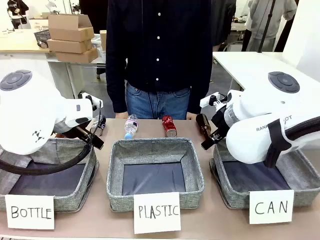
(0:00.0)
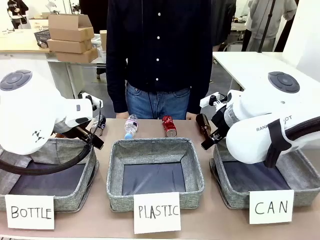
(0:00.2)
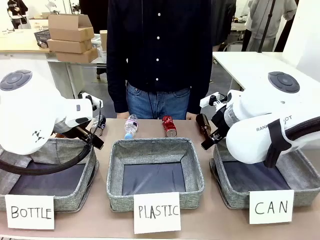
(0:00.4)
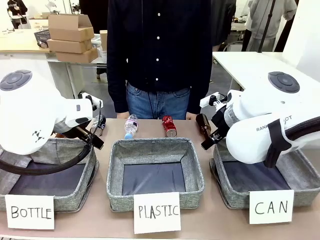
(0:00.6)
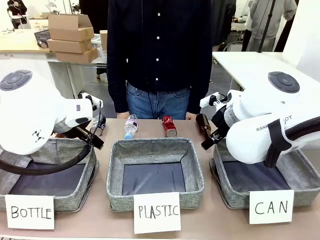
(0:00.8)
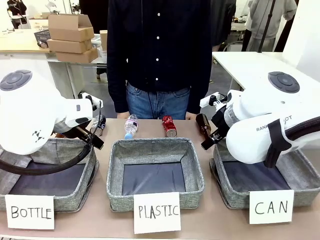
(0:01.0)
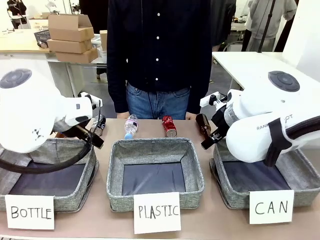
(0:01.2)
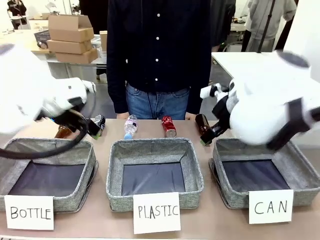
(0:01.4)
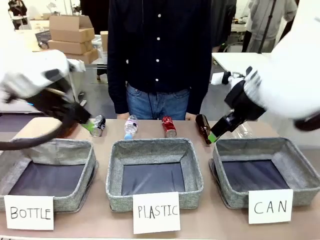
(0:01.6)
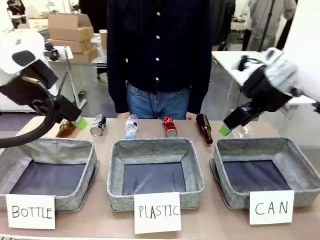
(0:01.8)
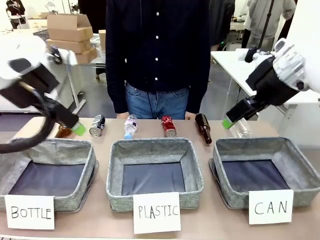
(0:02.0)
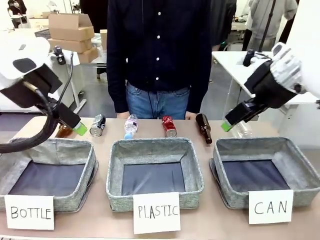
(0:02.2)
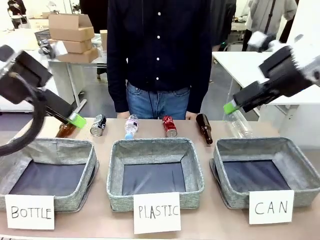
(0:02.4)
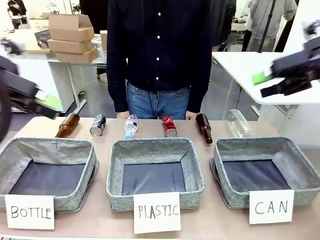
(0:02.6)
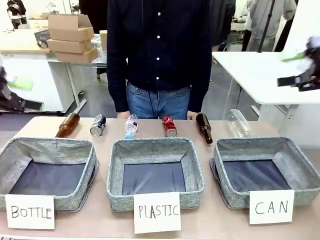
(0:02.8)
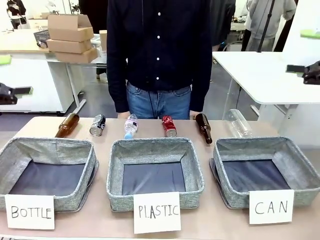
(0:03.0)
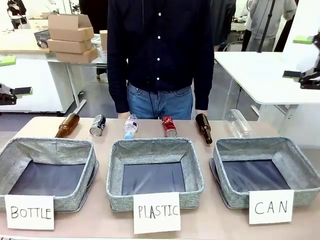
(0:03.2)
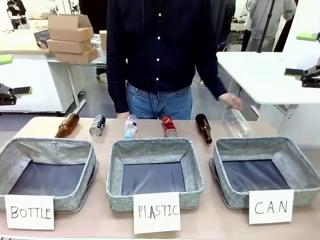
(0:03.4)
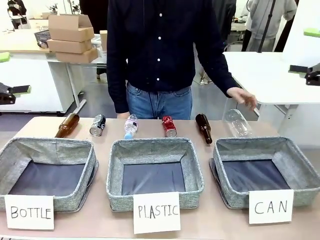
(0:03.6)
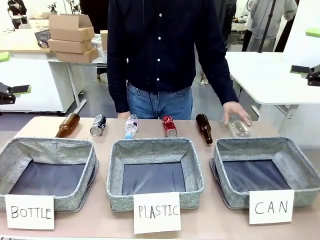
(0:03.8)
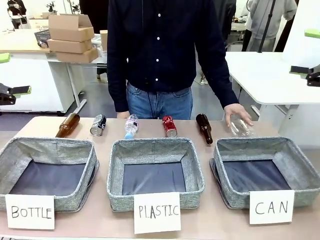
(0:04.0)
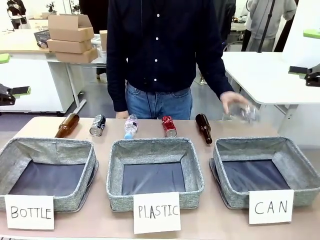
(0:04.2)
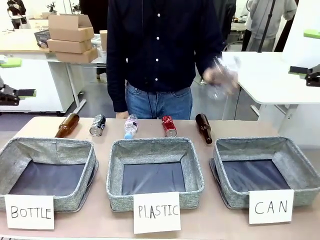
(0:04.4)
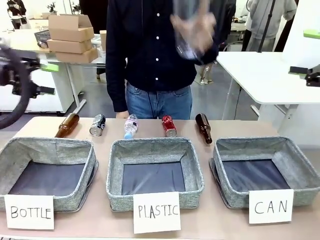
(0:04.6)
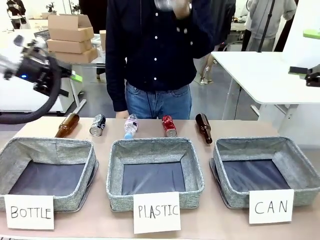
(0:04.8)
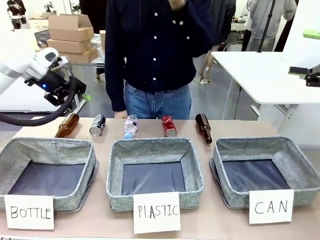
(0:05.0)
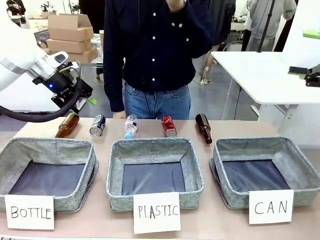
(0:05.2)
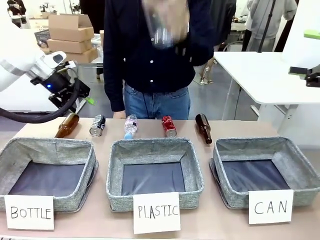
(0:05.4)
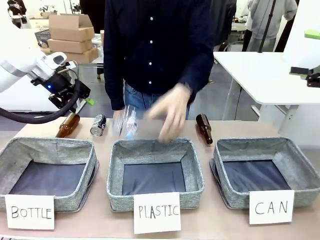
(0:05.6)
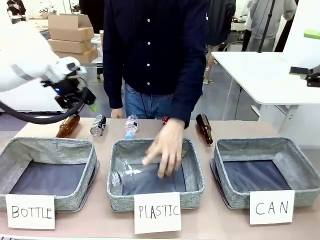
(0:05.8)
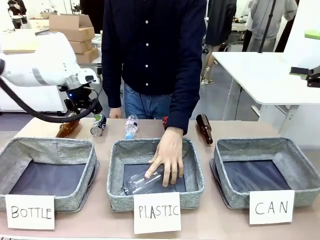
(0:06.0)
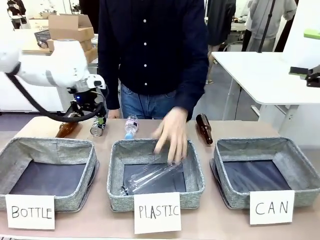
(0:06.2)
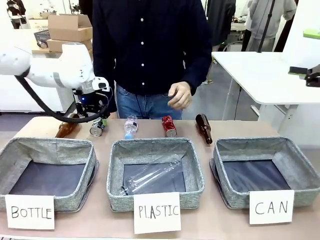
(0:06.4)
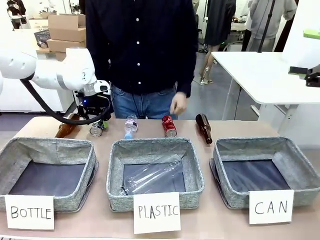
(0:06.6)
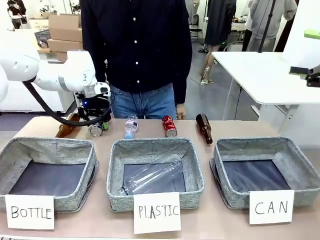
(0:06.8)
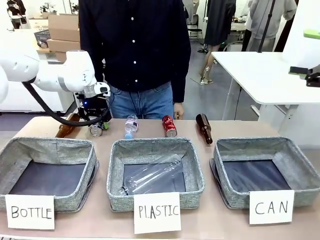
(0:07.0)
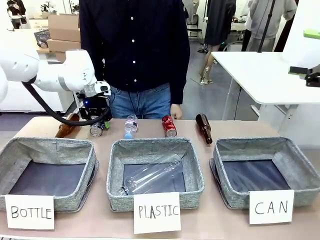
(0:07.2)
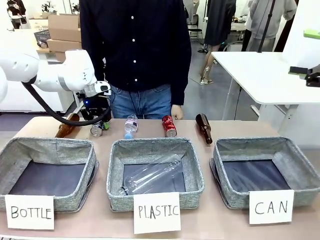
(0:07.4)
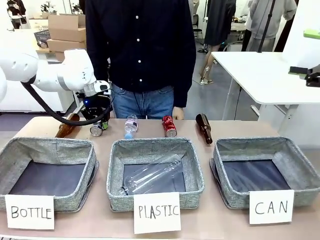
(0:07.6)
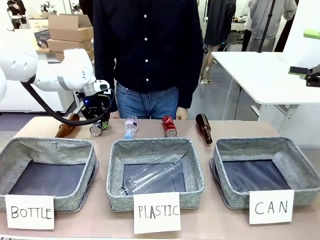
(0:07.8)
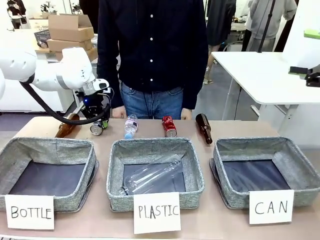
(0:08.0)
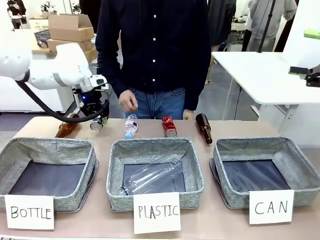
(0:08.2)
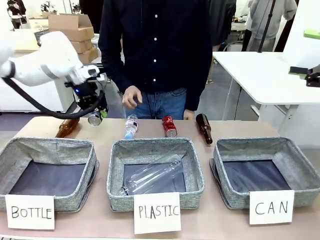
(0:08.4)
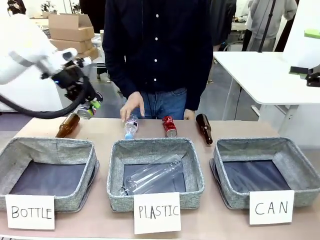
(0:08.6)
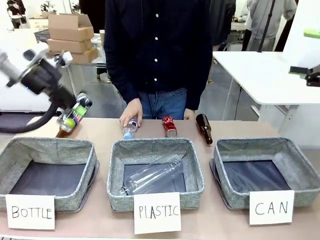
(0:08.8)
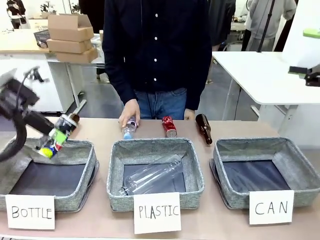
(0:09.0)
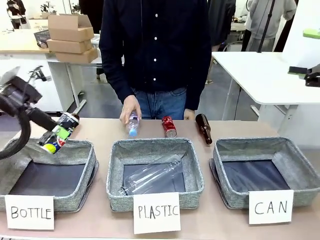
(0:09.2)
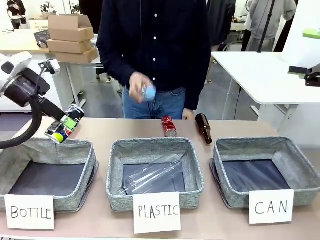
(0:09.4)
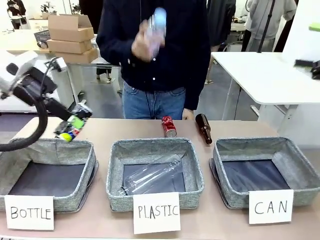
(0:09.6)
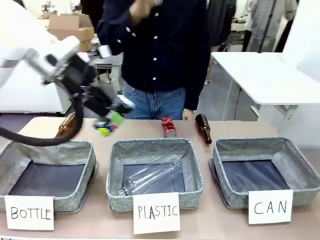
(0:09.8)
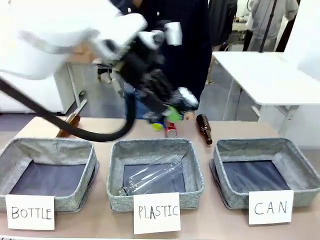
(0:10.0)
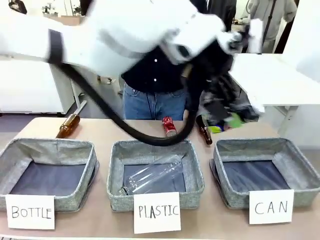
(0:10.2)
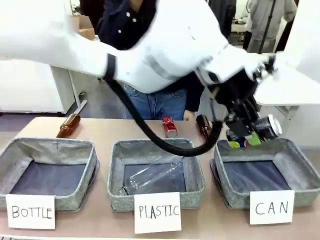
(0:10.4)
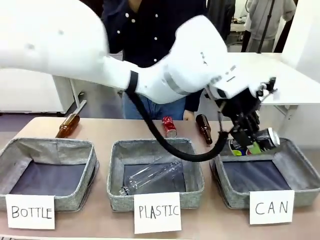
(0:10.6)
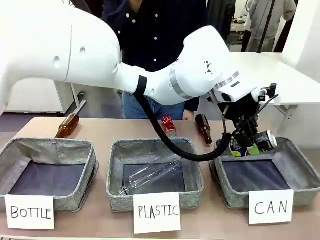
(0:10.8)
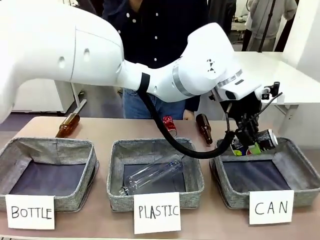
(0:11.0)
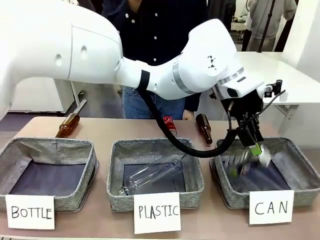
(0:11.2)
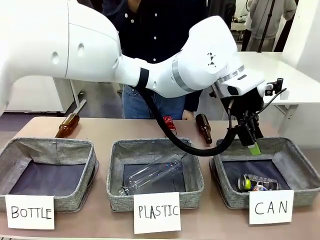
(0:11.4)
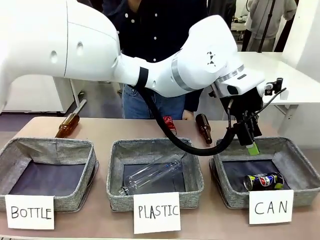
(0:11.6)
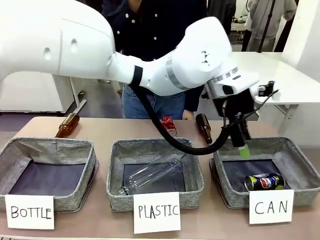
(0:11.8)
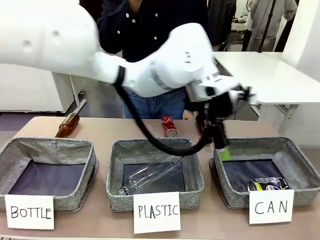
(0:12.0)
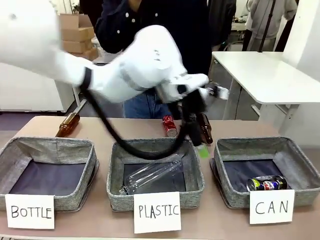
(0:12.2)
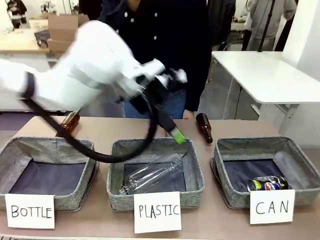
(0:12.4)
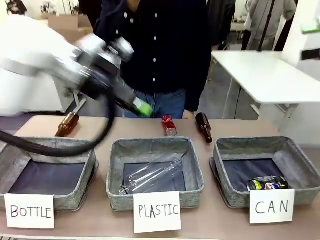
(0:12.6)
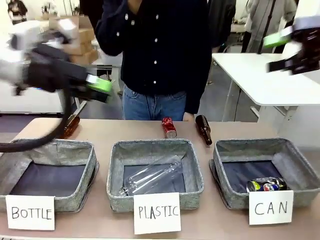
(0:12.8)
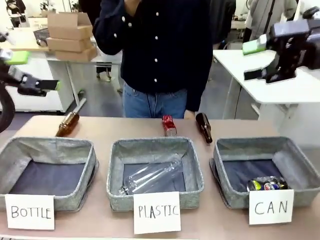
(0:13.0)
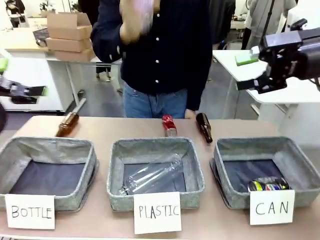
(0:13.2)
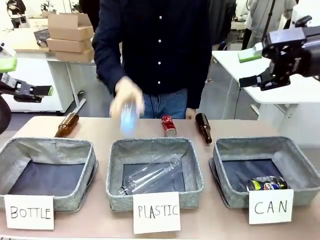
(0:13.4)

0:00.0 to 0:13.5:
Task: Sort the can waste into the basket.
Robot: Pick up the can waste from the table and place it in the right Fabric basket.
